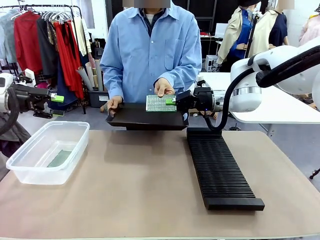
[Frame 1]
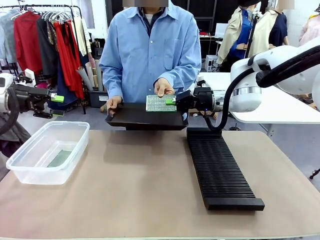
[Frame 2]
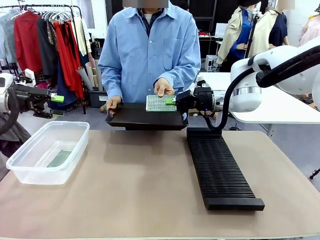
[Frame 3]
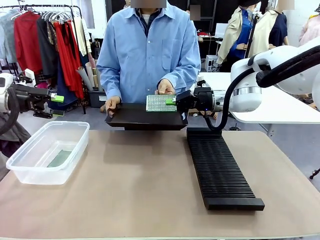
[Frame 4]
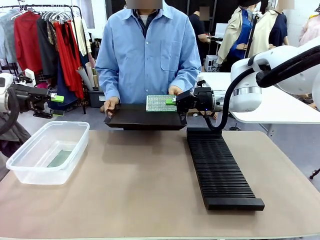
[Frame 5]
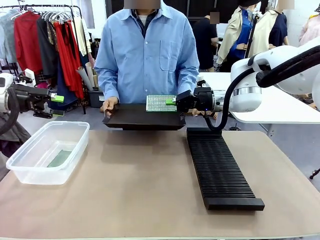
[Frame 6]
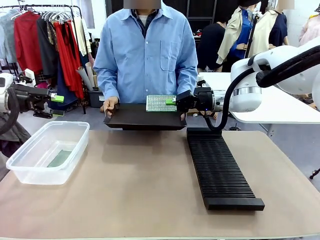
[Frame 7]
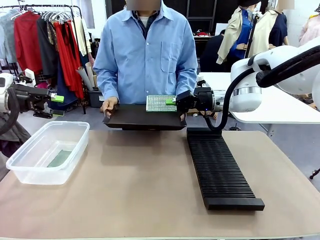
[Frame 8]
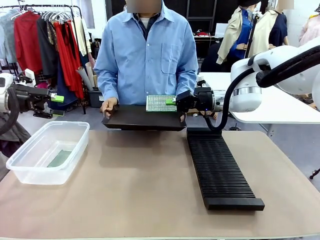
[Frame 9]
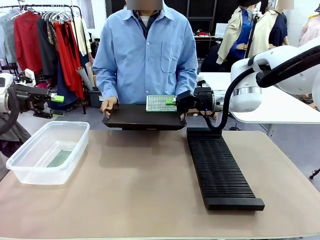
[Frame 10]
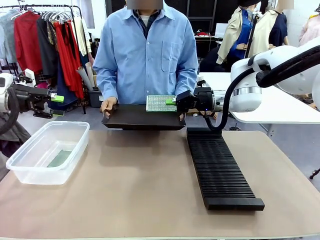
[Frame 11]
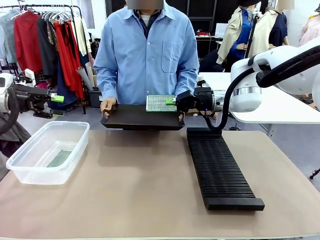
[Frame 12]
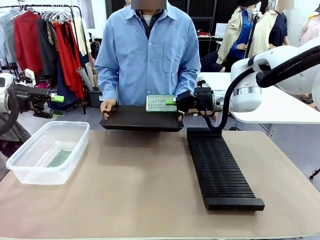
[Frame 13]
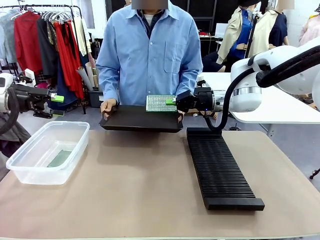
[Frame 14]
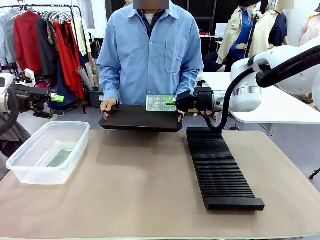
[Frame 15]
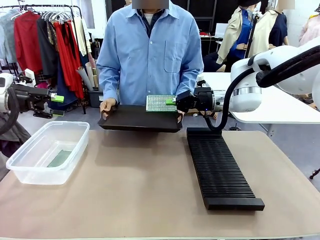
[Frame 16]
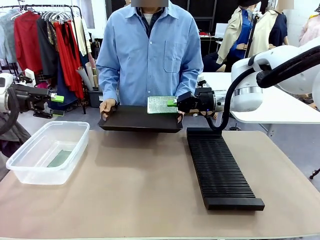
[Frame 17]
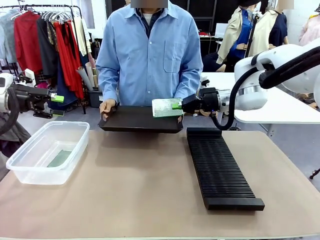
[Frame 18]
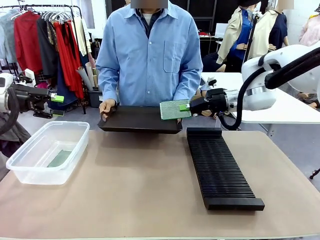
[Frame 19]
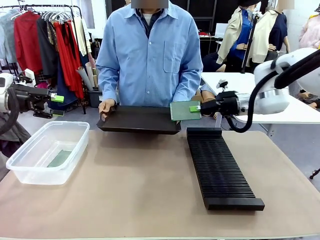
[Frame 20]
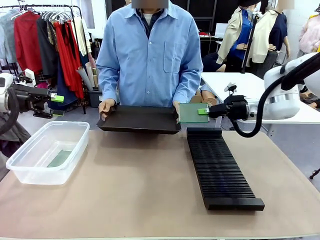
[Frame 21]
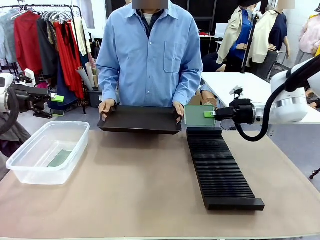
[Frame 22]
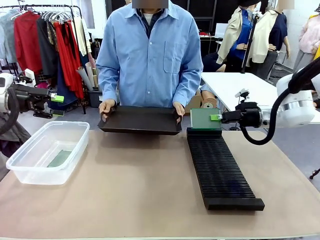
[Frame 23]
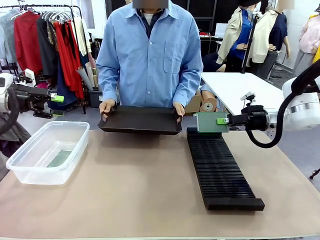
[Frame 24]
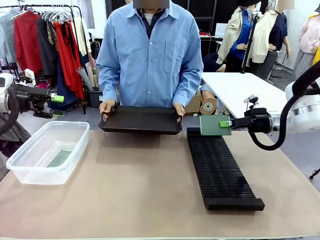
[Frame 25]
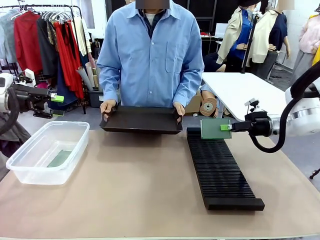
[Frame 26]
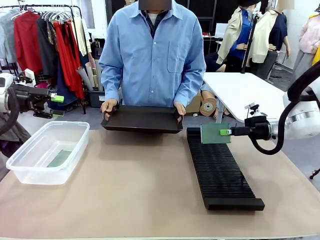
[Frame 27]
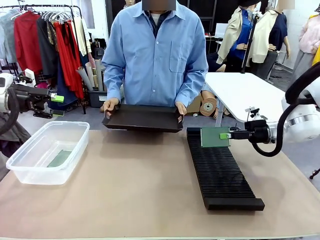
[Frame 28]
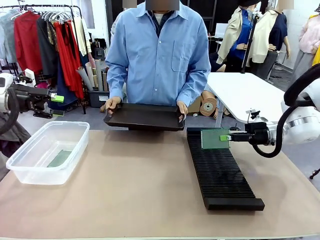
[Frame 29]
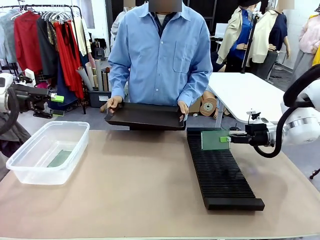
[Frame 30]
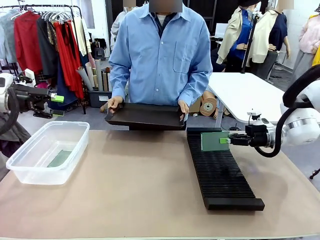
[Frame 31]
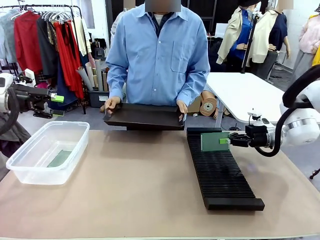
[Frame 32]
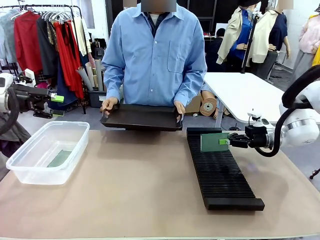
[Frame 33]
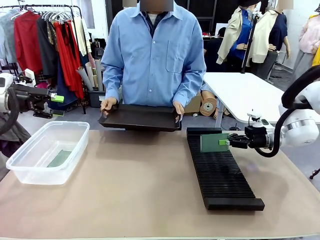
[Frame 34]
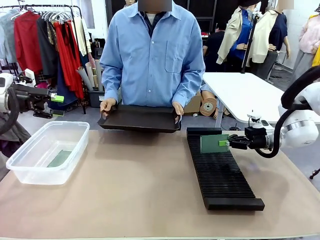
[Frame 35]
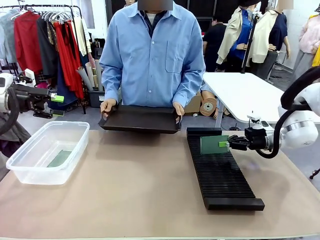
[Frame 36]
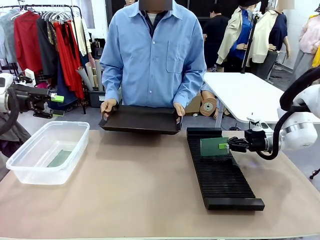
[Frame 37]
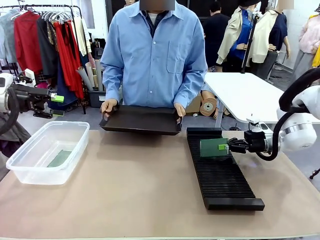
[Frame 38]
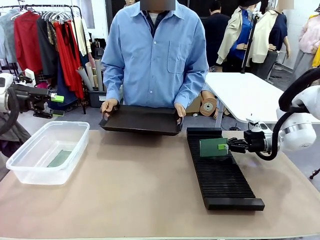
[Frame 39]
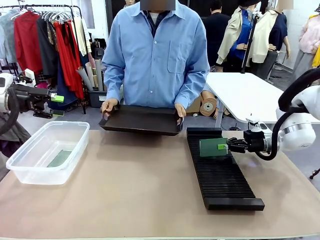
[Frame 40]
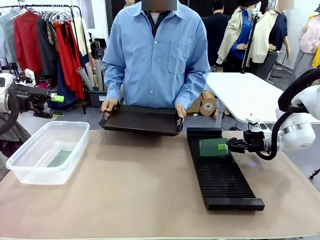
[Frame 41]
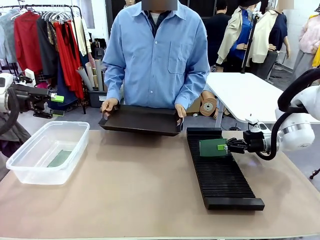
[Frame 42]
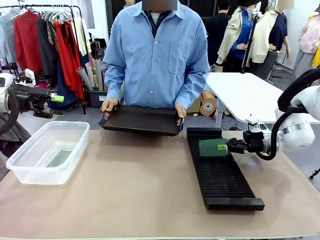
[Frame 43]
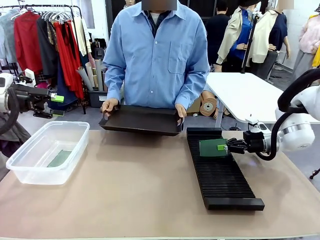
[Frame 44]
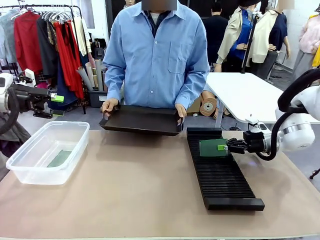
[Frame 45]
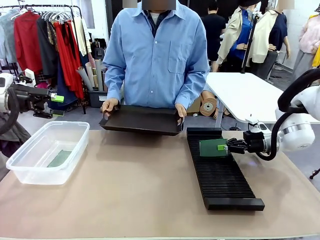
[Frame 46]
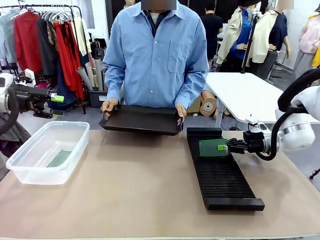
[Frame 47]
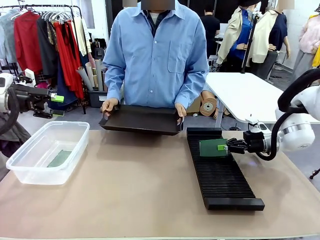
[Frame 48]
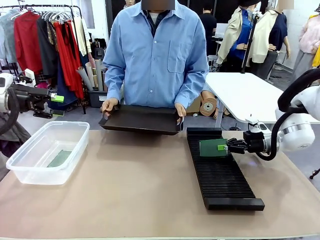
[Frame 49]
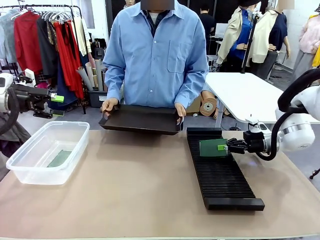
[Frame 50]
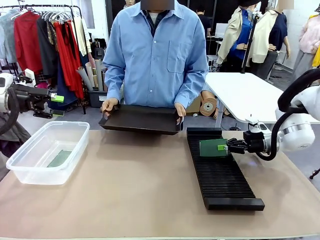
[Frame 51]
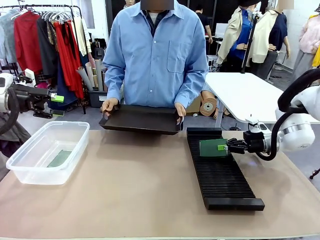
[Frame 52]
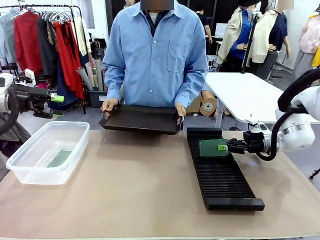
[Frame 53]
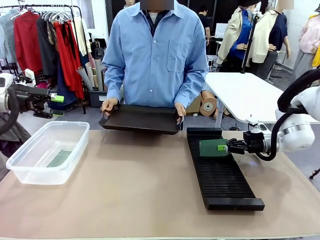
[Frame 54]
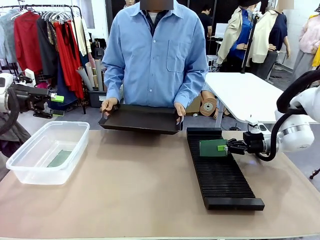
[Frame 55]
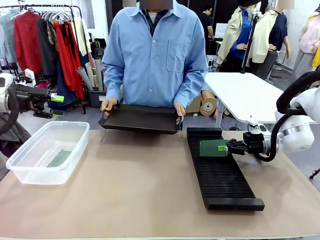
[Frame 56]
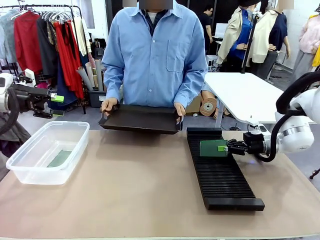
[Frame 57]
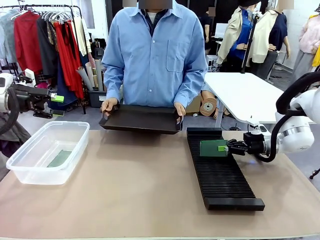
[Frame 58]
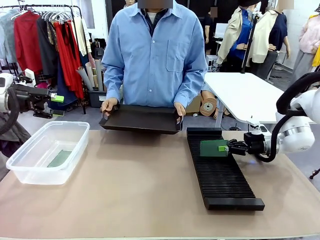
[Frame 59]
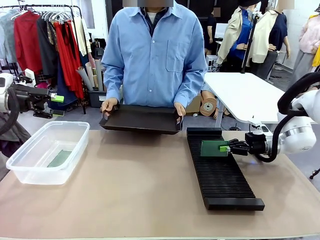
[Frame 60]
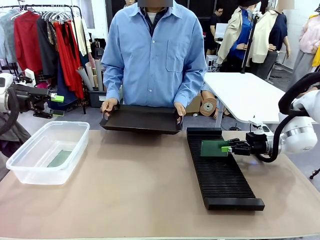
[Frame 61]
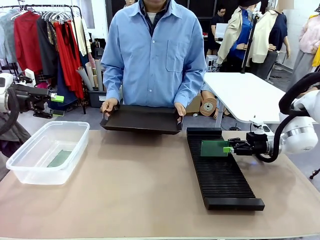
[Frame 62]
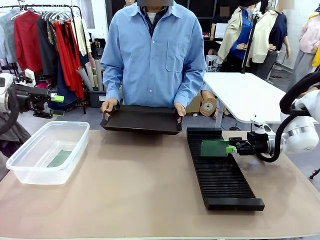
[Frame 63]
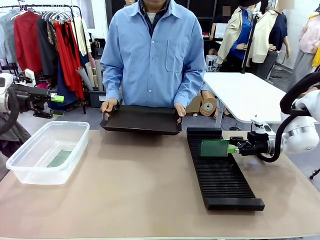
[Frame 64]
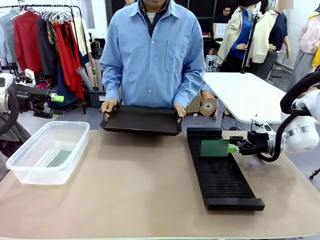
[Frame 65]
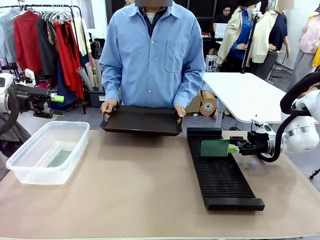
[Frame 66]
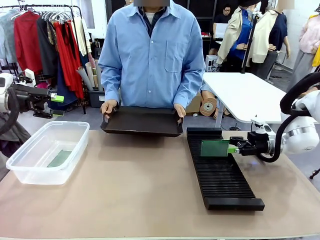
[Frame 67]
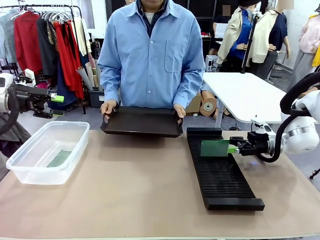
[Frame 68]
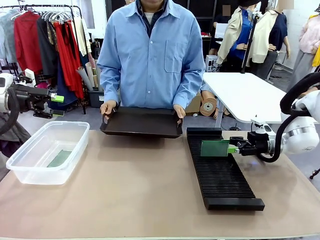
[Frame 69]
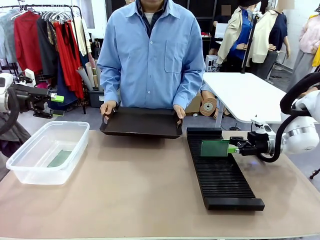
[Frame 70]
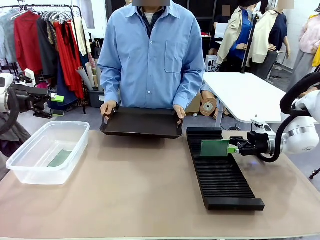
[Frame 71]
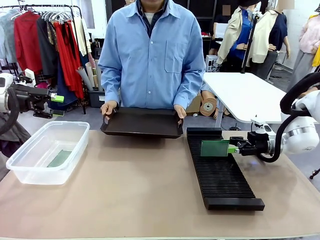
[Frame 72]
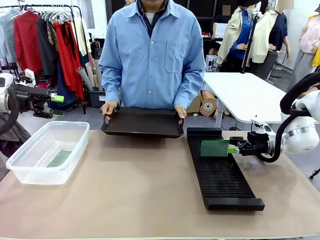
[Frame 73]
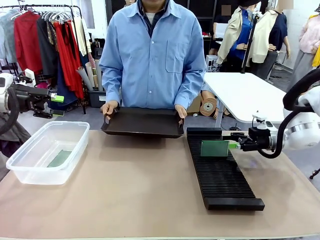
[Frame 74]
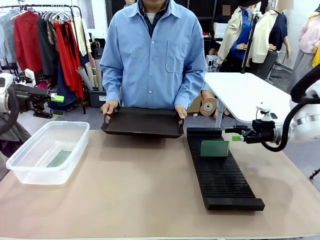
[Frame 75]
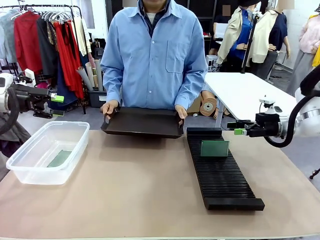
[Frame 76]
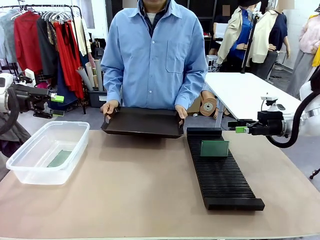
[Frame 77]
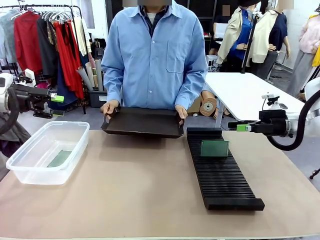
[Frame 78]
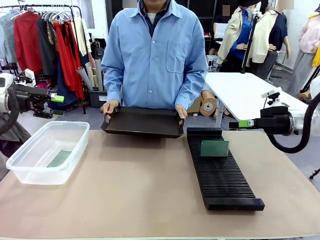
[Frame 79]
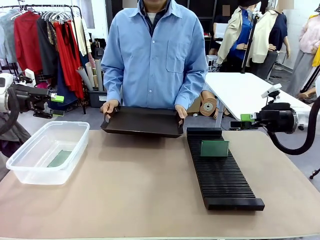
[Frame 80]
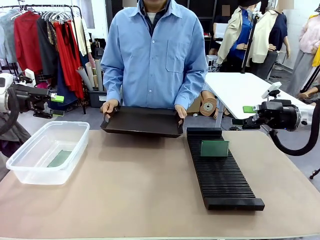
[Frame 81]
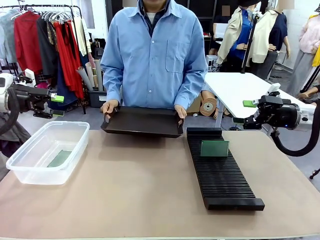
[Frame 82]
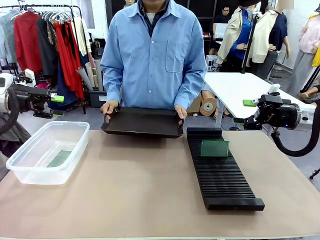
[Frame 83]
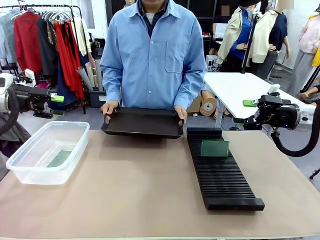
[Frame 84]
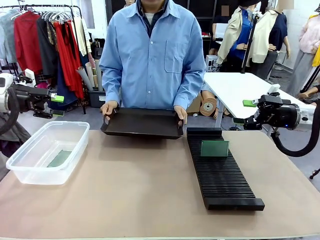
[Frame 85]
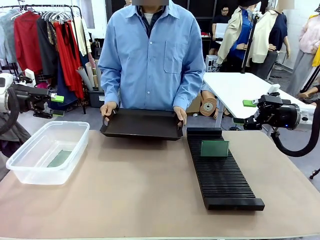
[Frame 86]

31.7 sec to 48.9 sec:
Task: Sort PCBs into racks and boxes based on the side picked up.
Robot: If the short side of the Blank PCB is picked up, insert it into the PCB Rack ; if the long side is picked up, place it in the Organizing box.
Person: Release the PCB being held.
